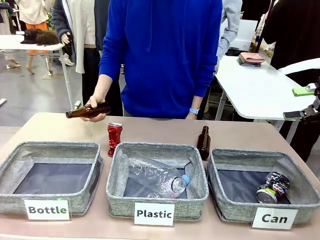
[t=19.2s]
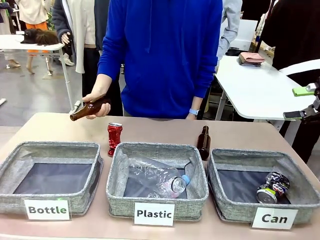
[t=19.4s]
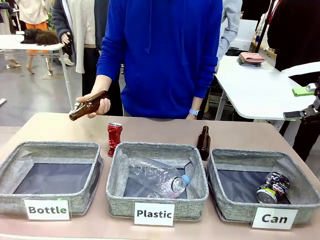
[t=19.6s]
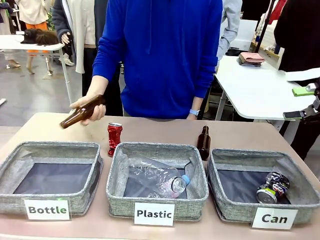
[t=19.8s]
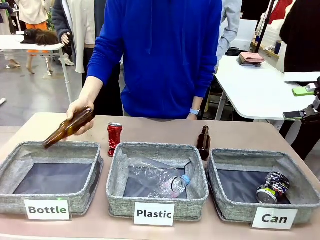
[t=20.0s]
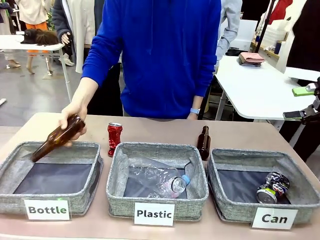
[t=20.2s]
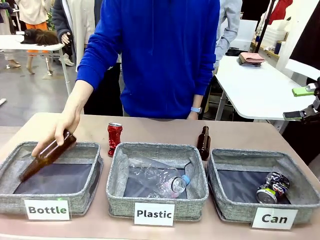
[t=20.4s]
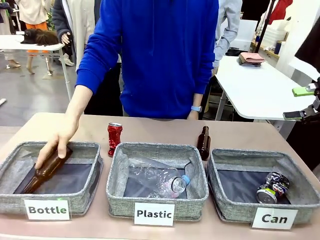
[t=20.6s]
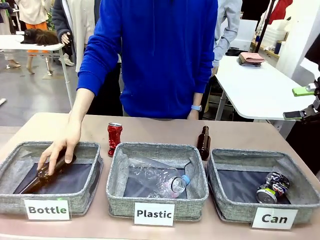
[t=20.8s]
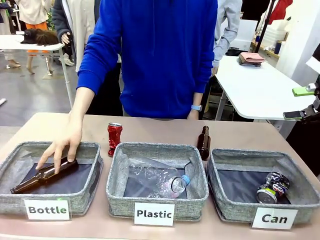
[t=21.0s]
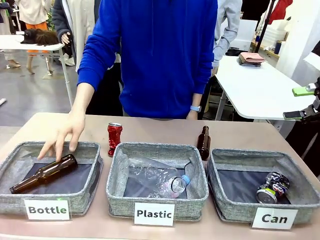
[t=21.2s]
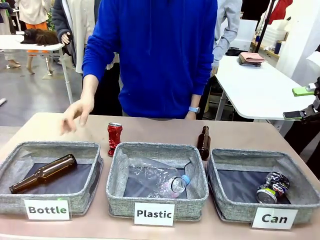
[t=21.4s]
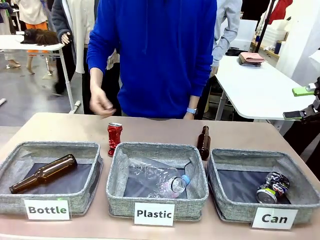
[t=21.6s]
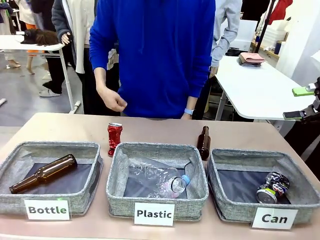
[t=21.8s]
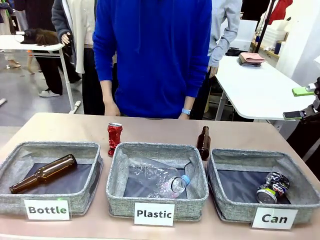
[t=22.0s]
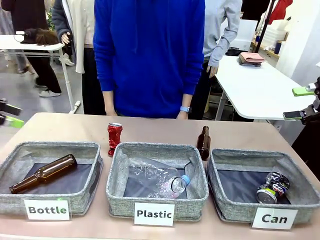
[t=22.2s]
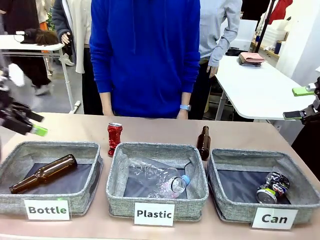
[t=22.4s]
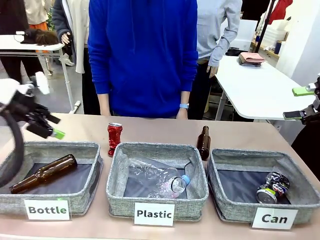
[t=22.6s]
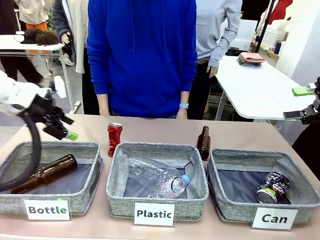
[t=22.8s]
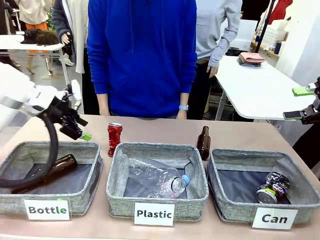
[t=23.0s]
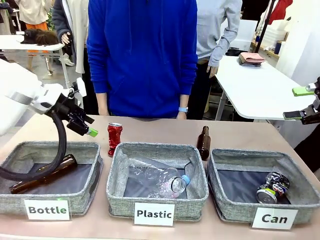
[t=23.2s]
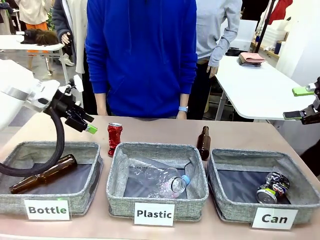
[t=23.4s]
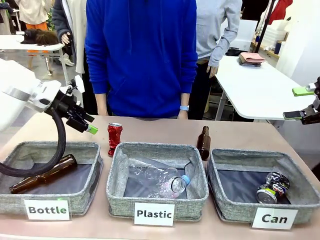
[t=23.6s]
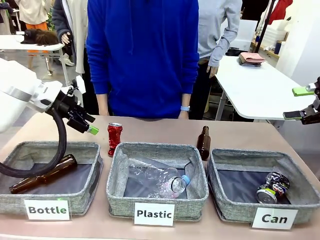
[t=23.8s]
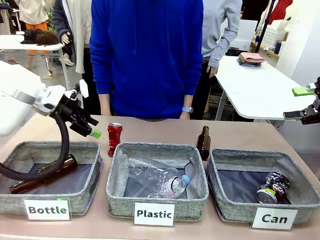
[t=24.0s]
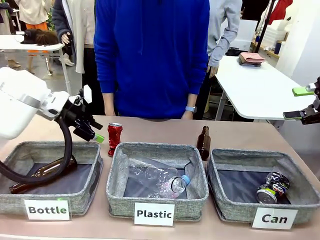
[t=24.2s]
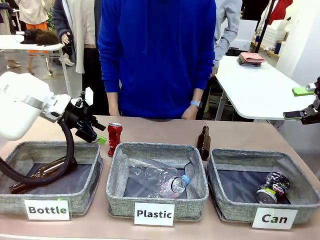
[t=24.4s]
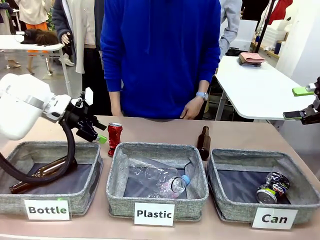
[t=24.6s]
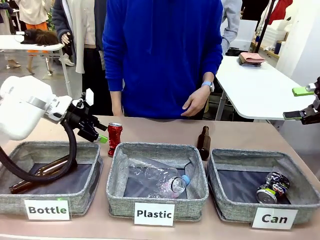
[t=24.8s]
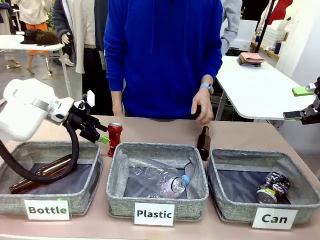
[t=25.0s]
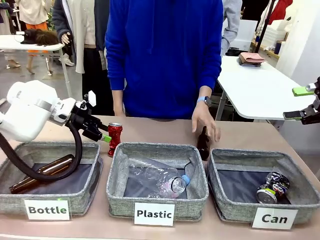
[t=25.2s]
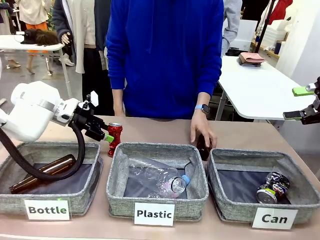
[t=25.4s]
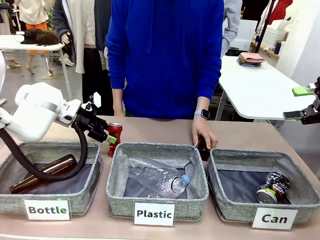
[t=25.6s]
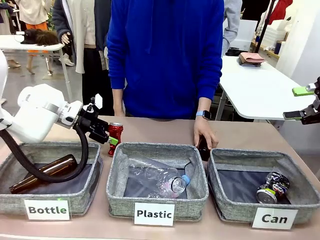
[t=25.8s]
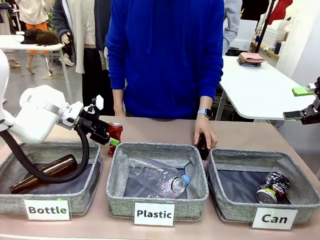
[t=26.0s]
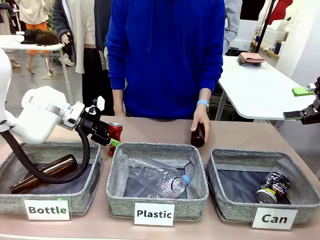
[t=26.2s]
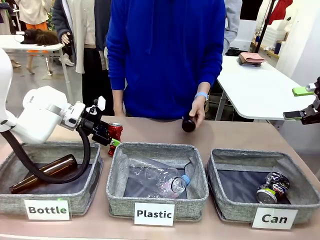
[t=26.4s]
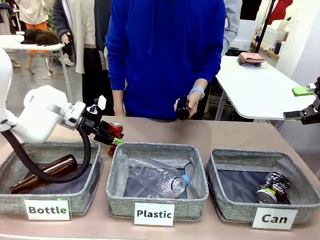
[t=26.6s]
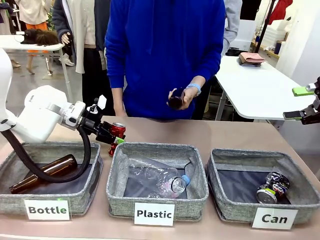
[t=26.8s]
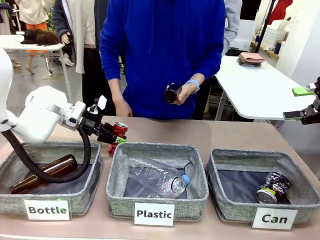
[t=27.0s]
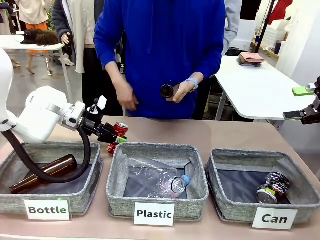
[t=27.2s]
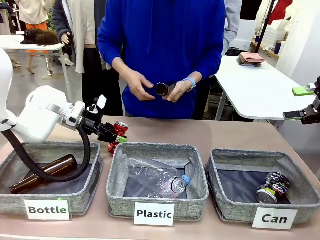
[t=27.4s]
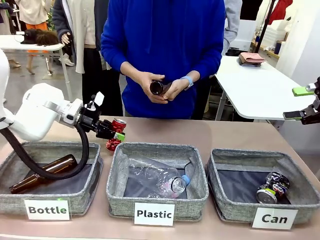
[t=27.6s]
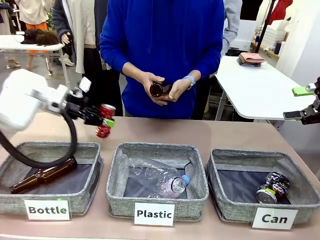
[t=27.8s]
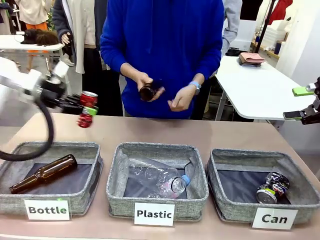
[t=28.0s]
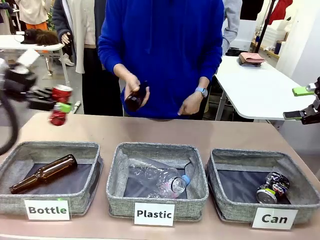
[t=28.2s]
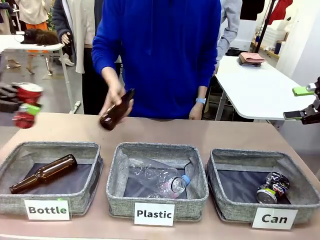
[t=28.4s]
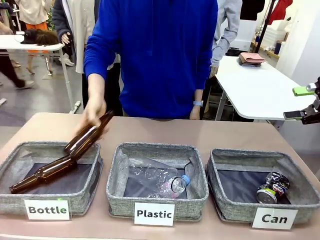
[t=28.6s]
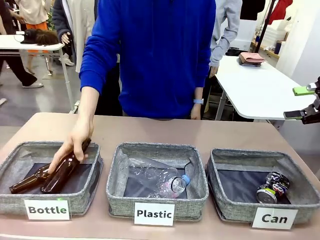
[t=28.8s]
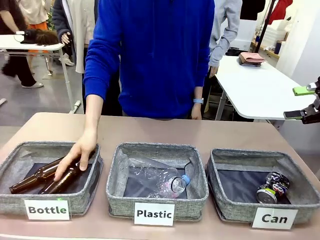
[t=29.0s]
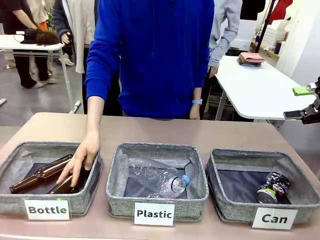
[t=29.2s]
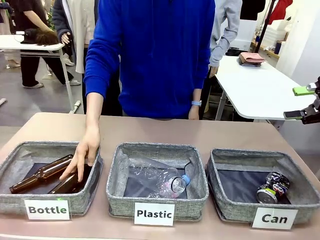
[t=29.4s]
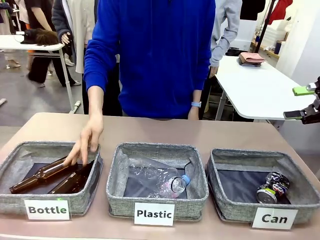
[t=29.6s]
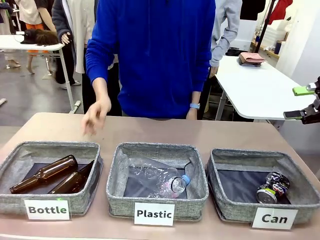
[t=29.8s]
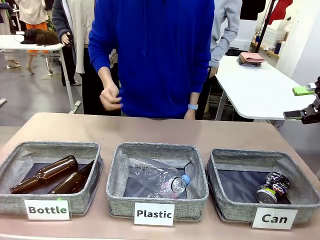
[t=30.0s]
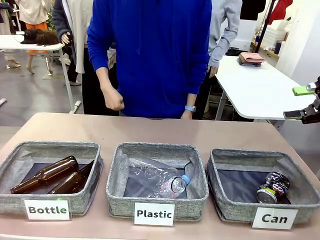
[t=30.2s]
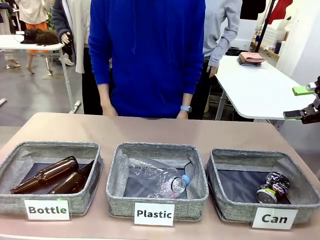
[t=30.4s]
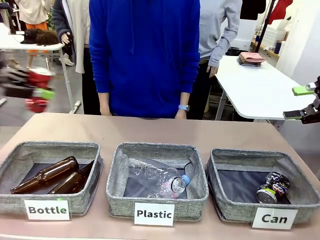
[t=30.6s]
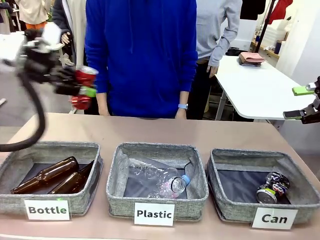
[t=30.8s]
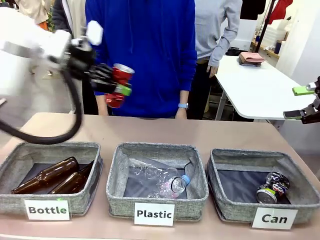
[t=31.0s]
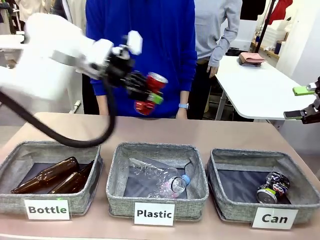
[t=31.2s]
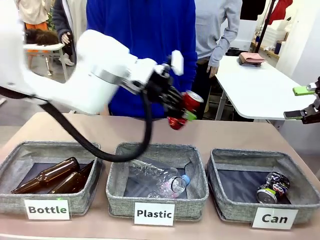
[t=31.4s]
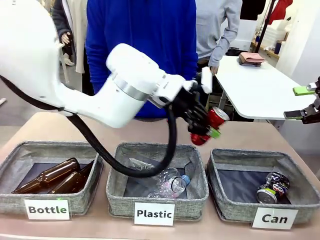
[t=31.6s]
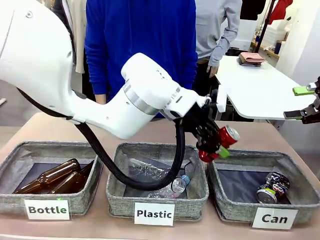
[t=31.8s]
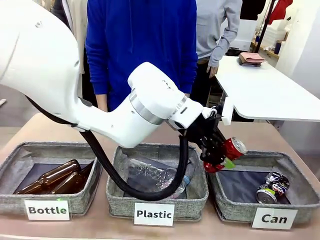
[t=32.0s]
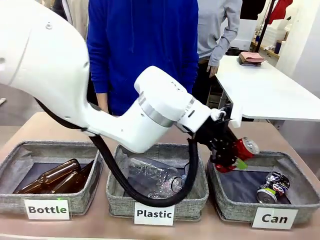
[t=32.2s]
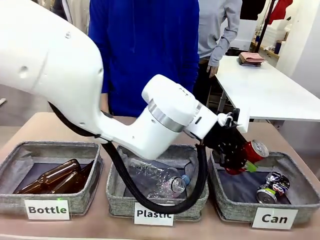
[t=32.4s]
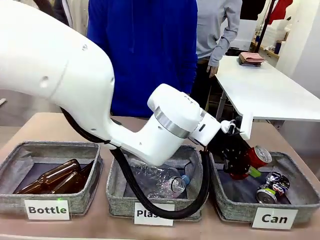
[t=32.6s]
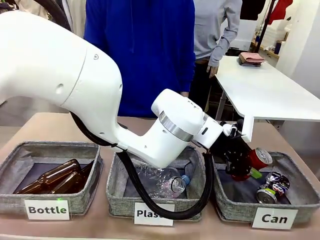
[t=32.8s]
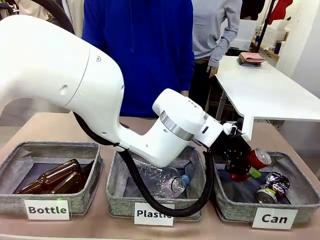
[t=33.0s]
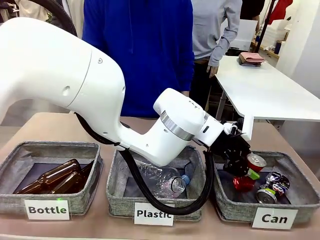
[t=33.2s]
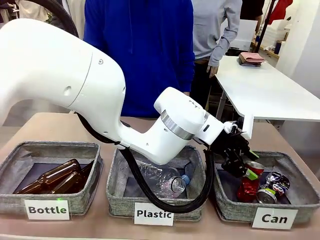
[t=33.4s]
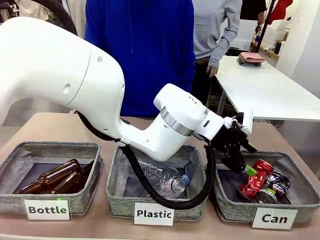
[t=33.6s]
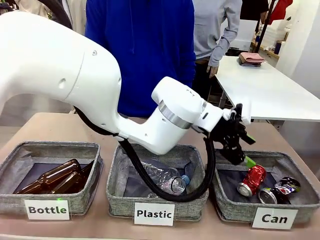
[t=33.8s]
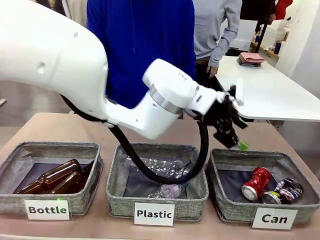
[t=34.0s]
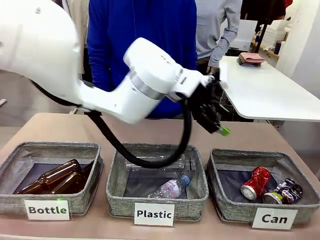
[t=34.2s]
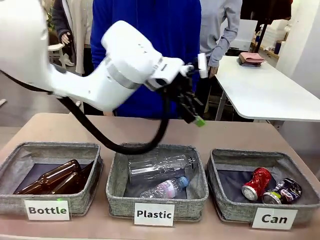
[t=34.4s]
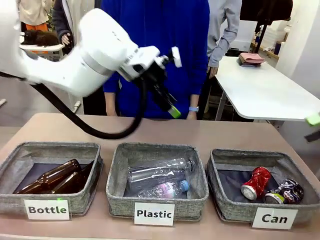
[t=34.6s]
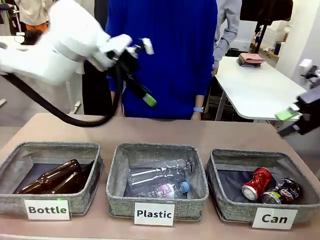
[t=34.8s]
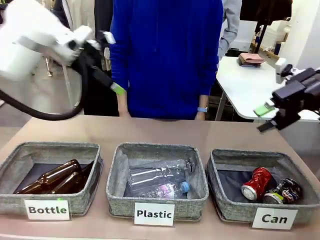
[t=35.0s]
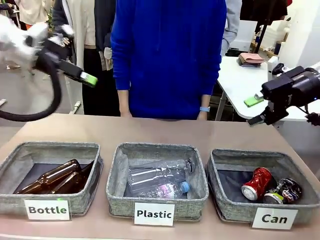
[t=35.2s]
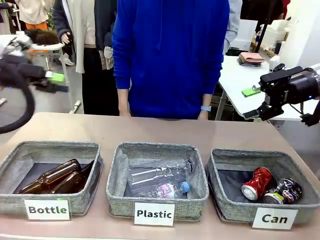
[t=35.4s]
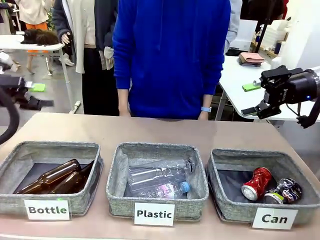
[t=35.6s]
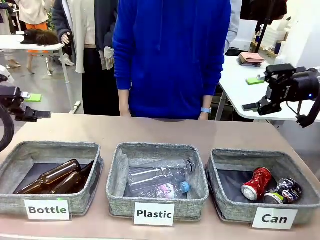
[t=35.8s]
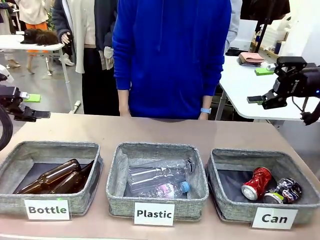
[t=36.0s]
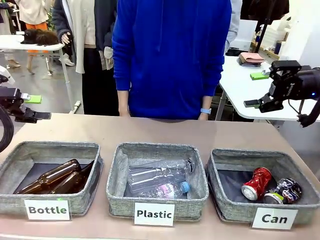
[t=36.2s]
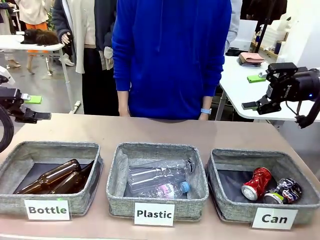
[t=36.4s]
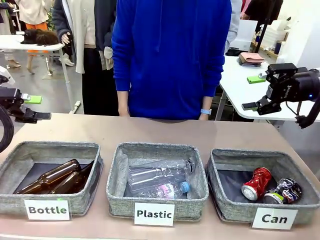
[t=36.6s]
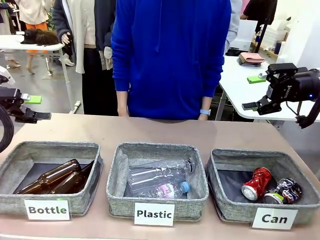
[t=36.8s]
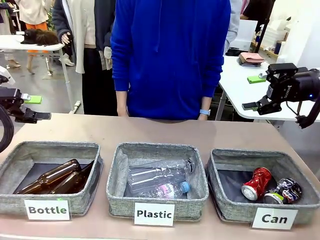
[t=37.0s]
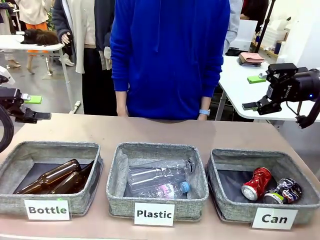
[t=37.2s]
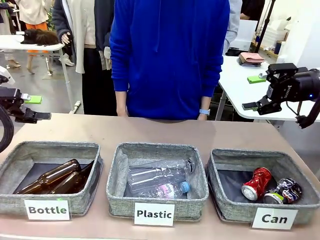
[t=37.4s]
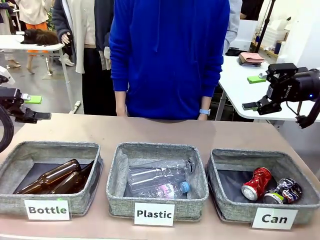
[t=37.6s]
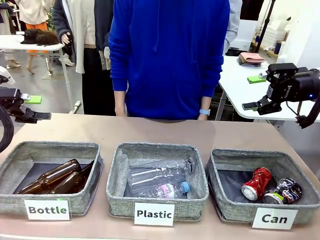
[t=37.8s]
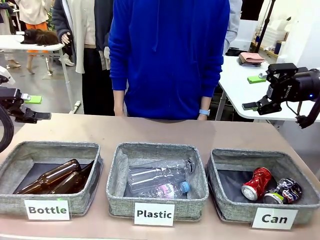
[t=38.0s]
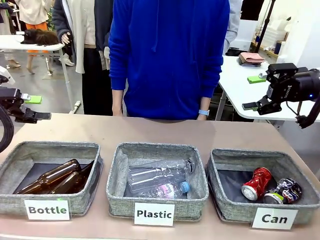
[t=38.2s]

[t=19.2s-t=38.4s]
Task: Sort the can waste into the basket.
Robot: Pick up the can waste from the table and place it in the right Fabric basket.
